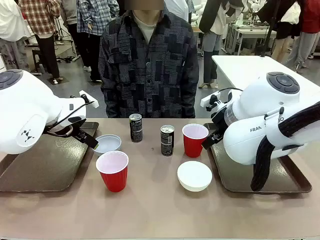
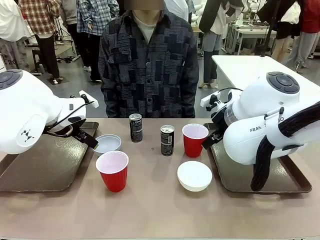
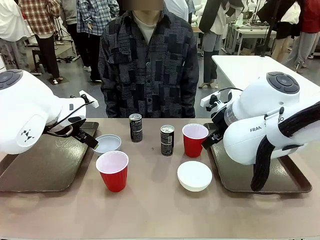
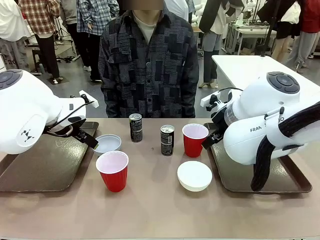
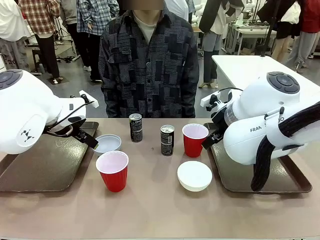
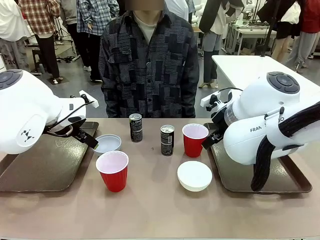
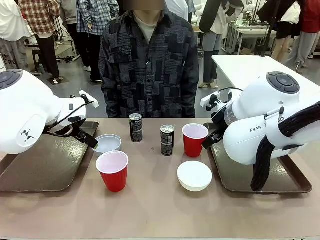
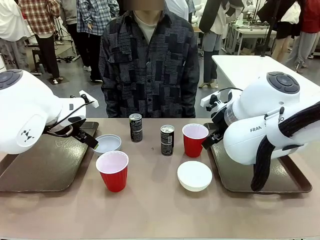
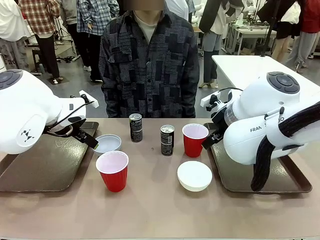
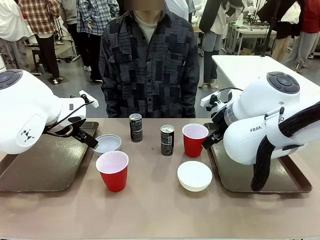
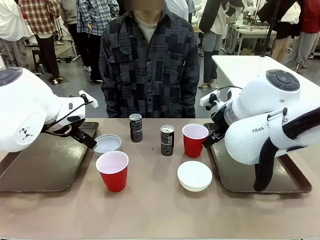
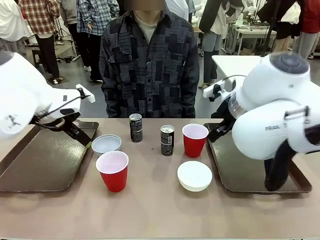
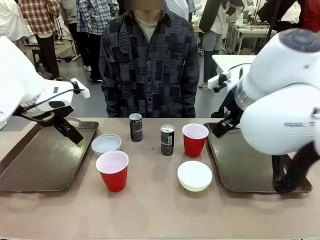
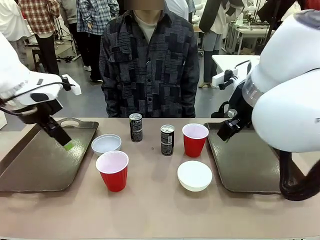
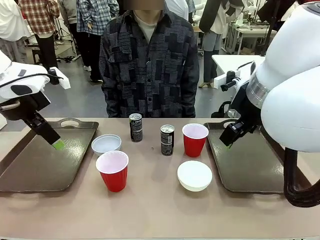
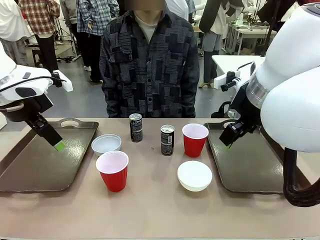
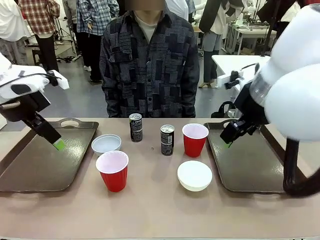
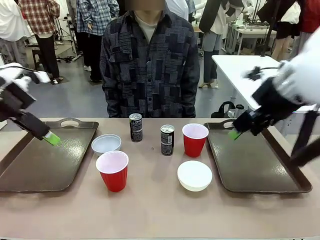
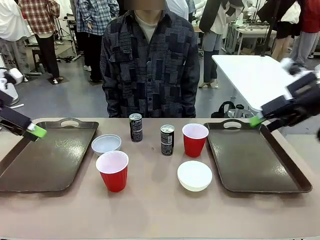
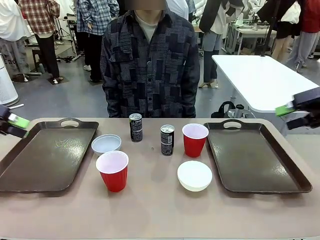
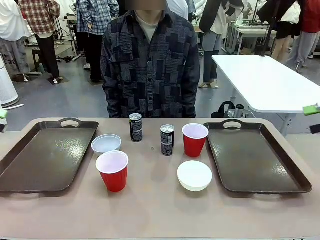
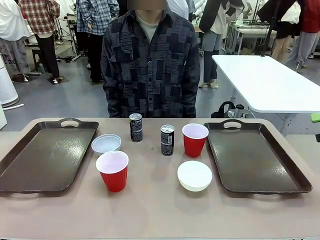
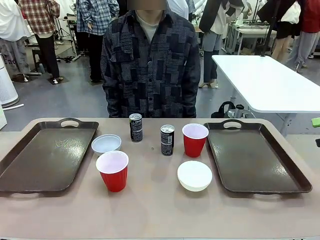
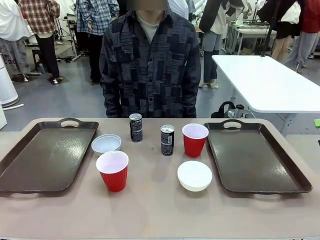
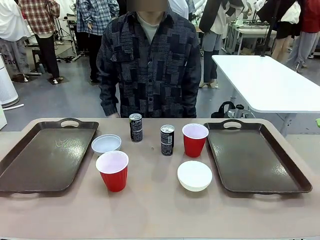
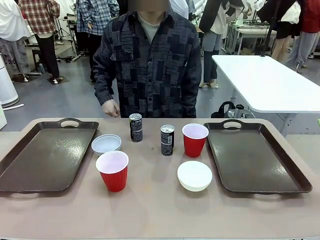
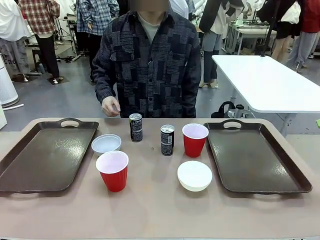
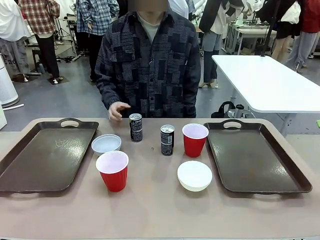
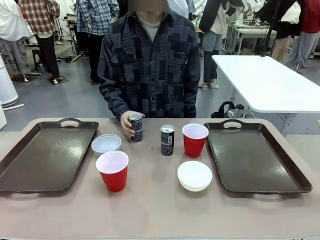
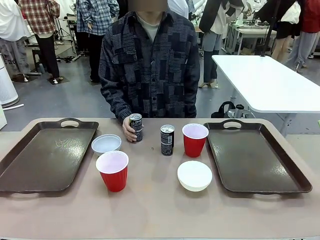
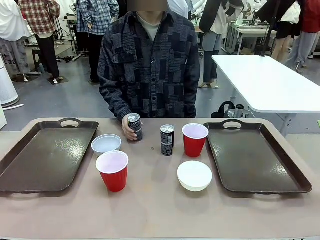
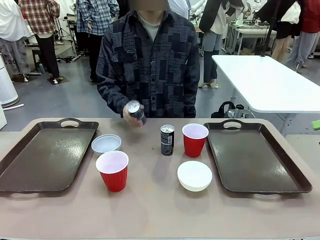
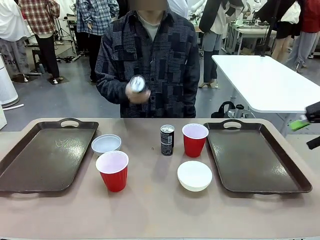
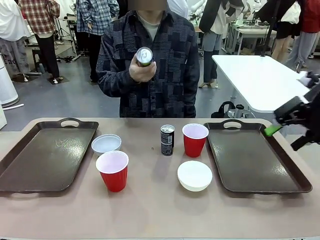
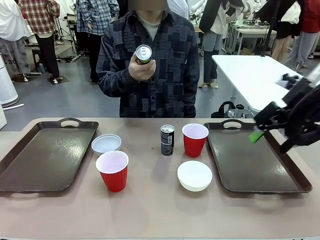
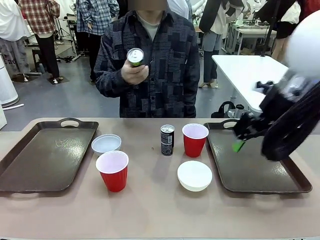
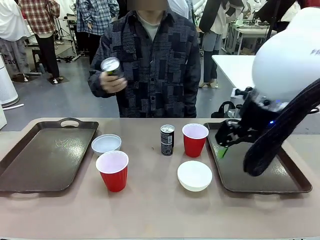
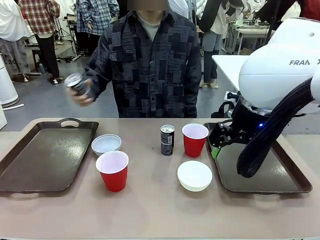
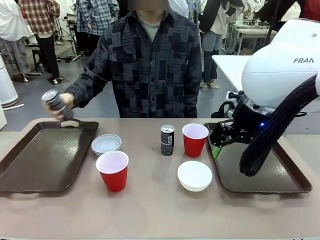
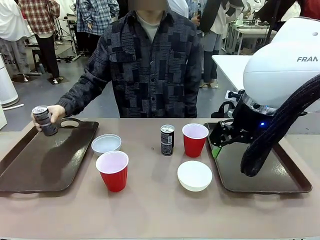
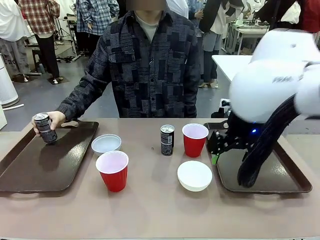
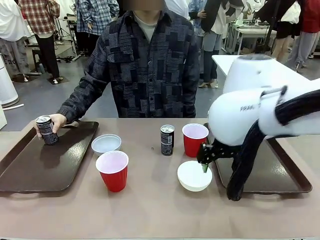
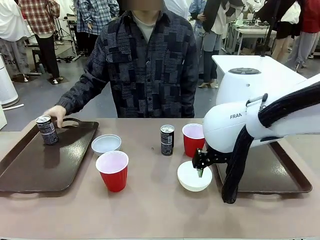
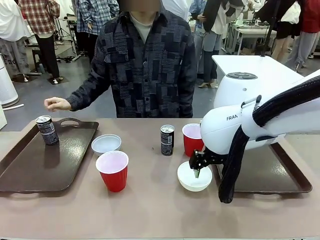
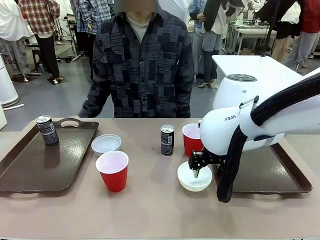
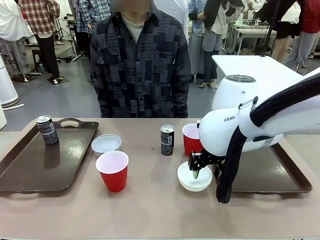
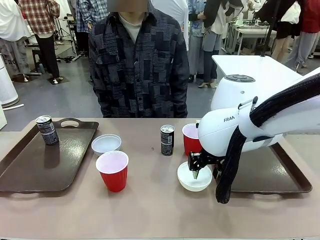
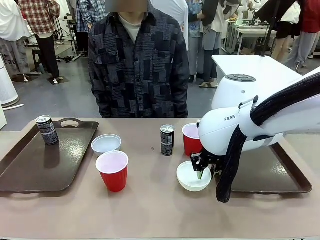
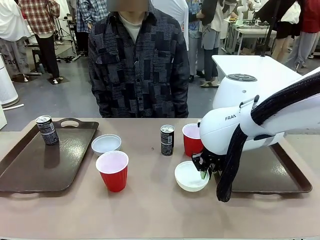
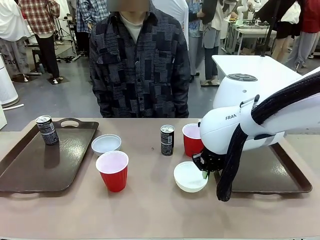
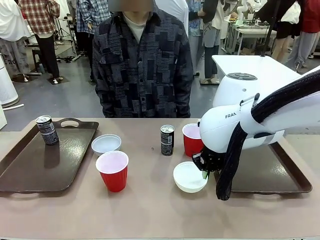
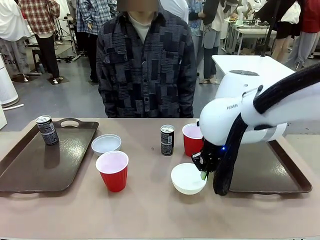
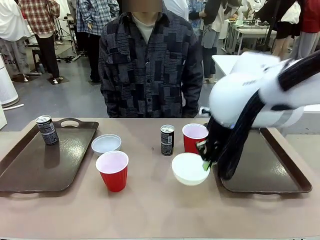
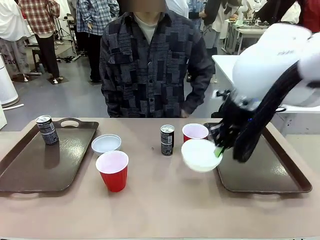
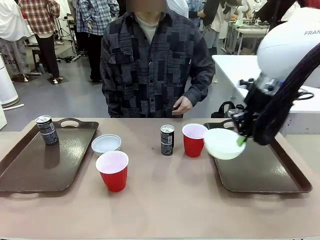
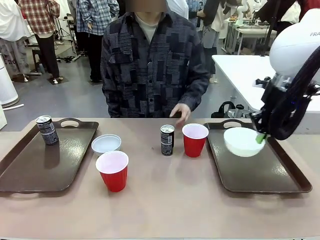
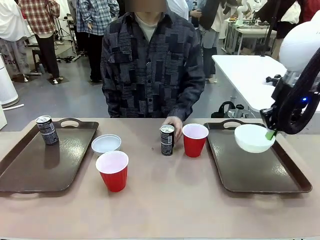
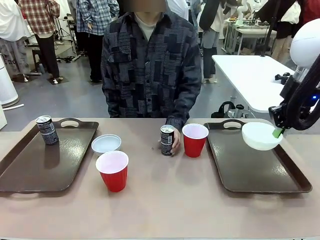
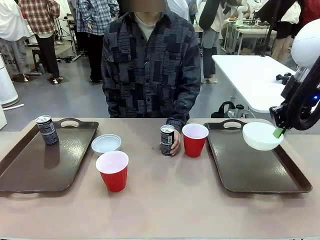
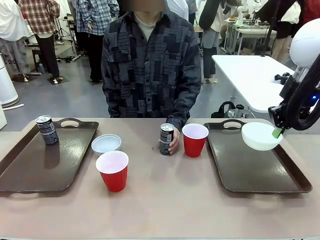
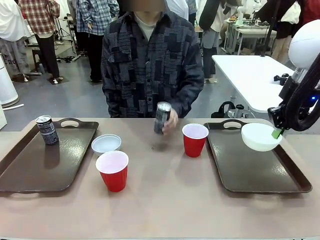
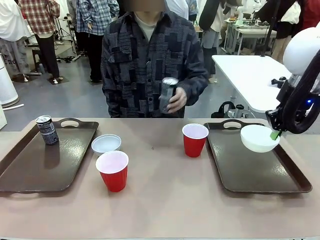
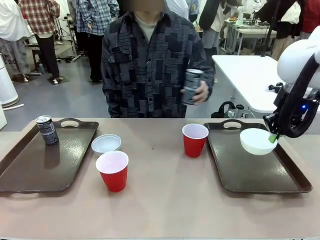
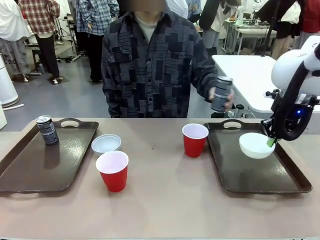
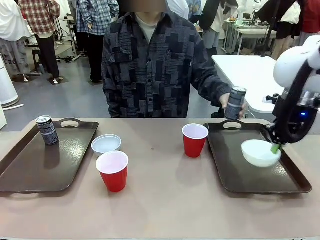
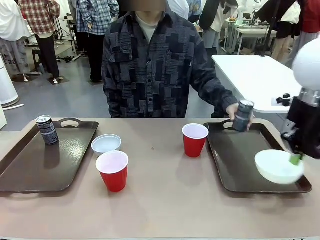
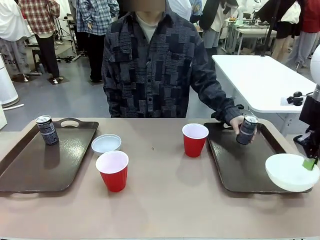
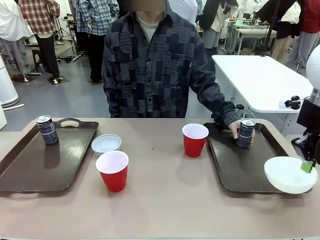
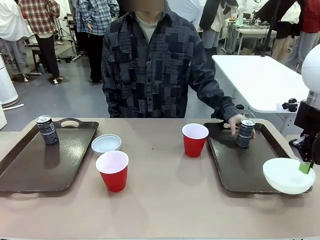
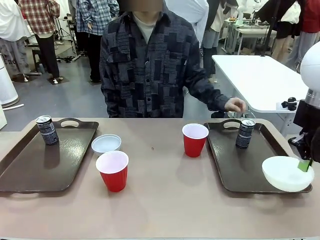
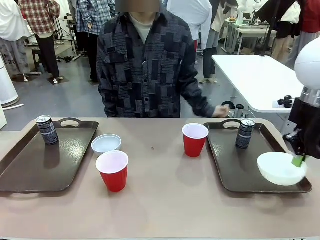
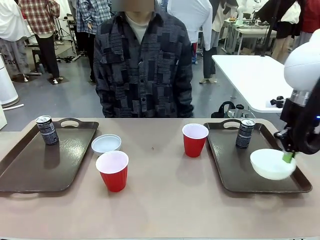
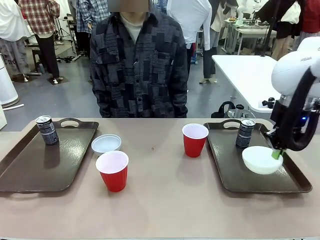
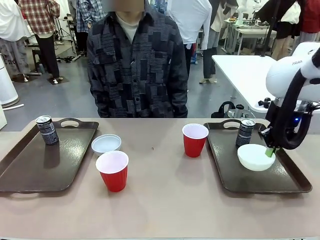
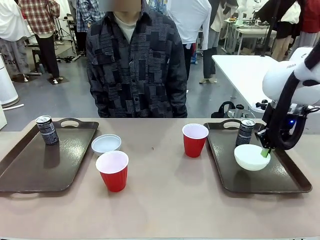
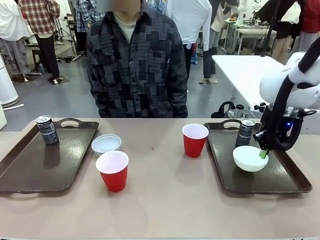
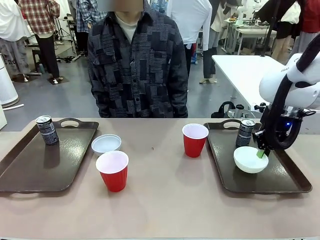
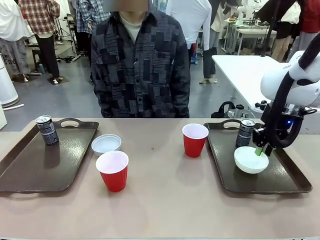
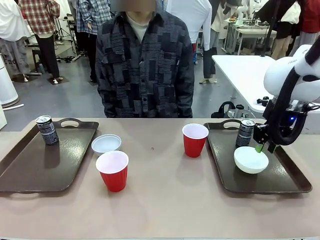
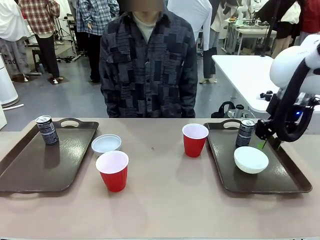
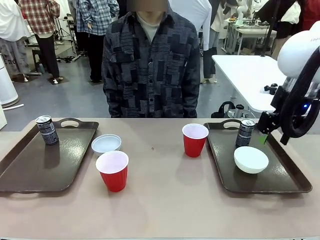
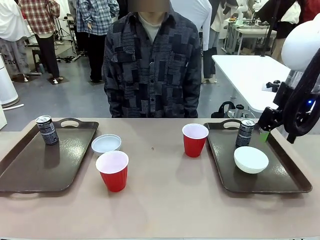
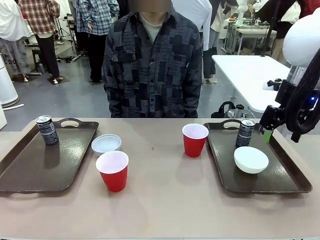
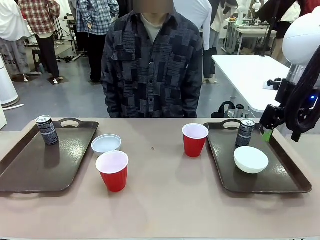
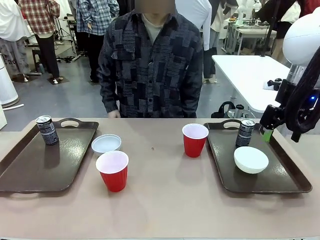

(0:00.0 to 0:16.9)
Task: Prepare tableware on both trays.
Robot: Pick up a Picnic Bowl from the table and place it on a Handle tray.
Person: Pick up a can or cup and place it on the tray.
